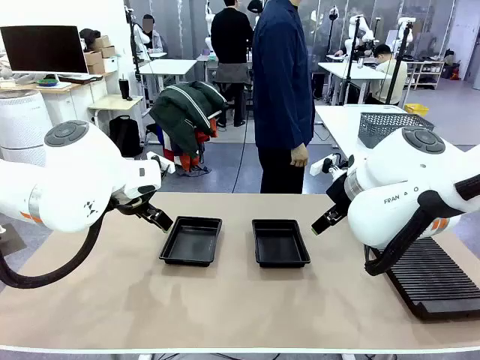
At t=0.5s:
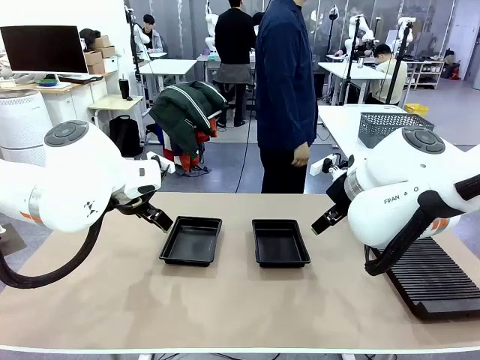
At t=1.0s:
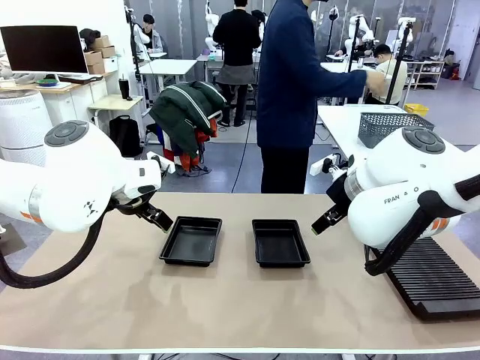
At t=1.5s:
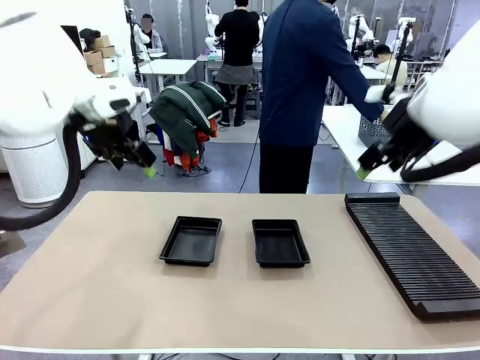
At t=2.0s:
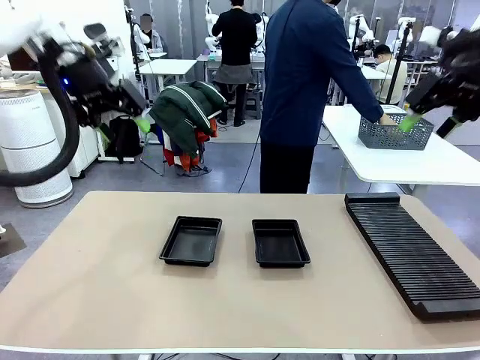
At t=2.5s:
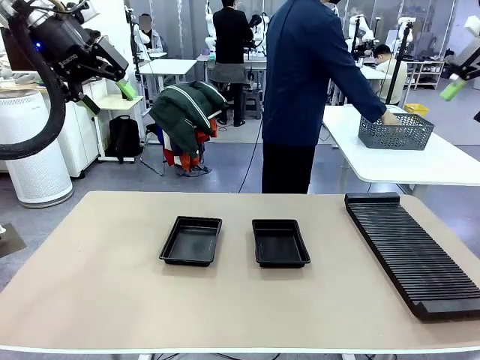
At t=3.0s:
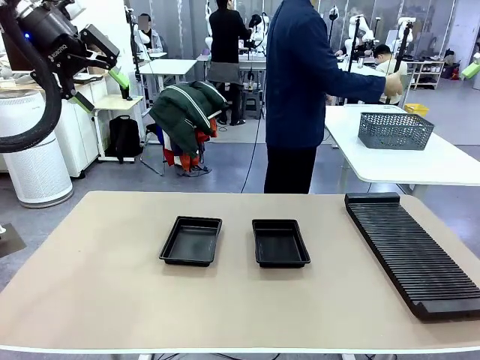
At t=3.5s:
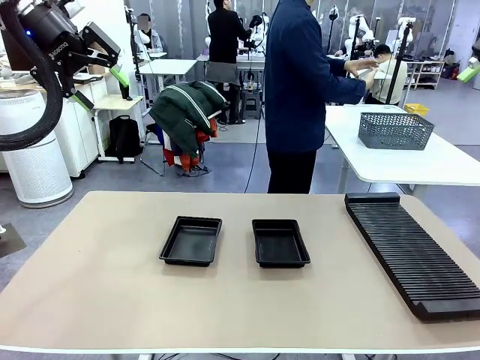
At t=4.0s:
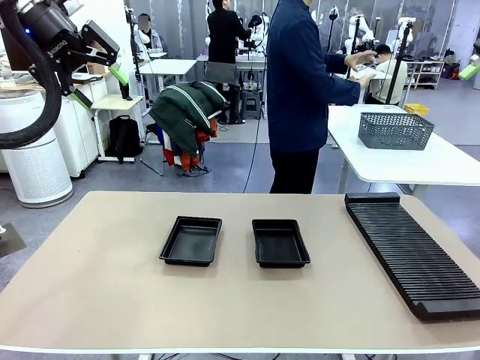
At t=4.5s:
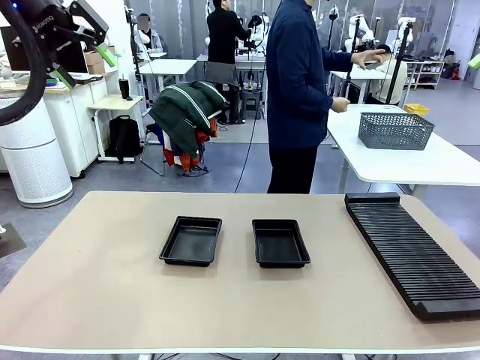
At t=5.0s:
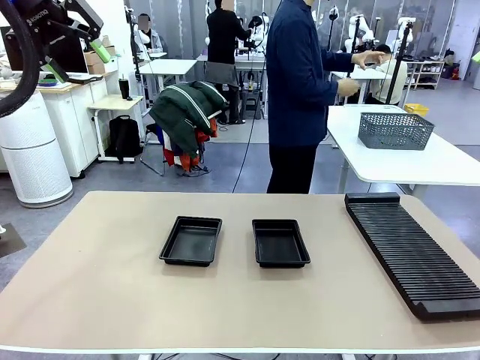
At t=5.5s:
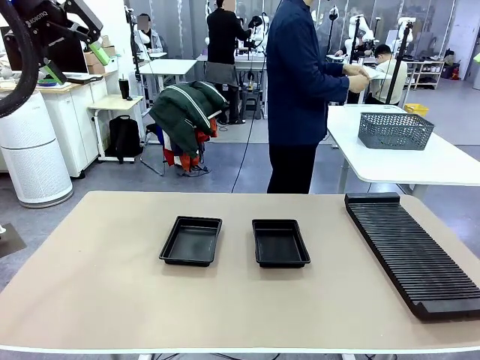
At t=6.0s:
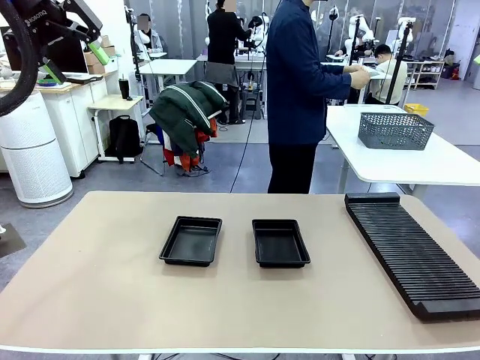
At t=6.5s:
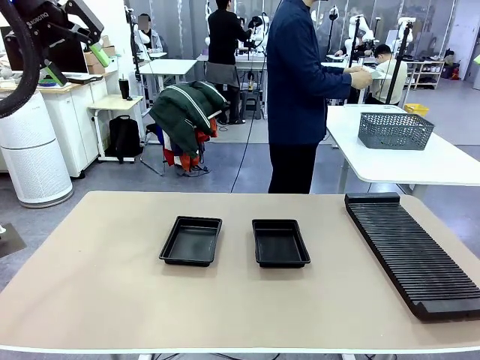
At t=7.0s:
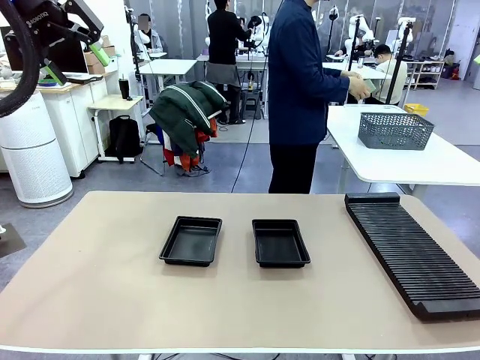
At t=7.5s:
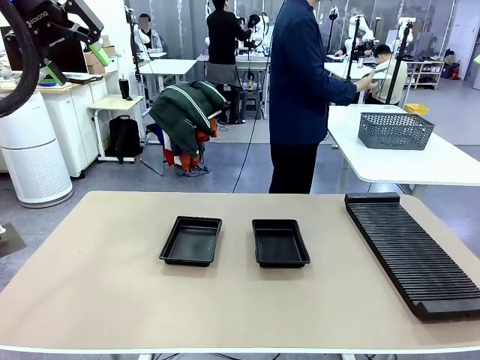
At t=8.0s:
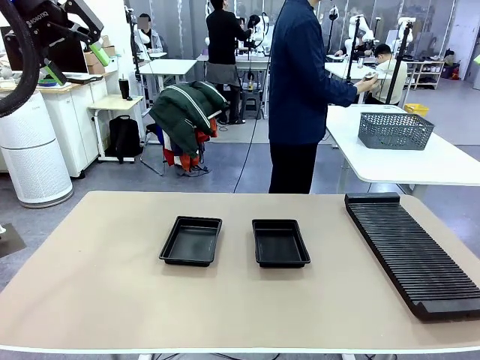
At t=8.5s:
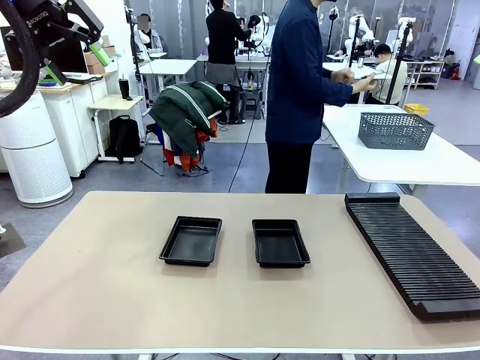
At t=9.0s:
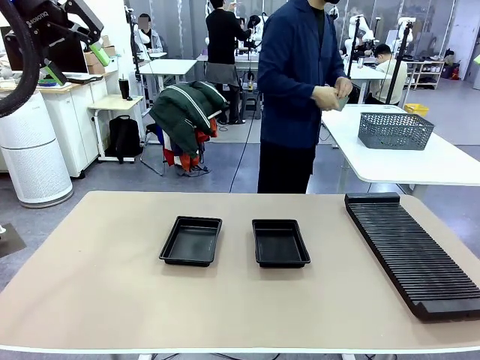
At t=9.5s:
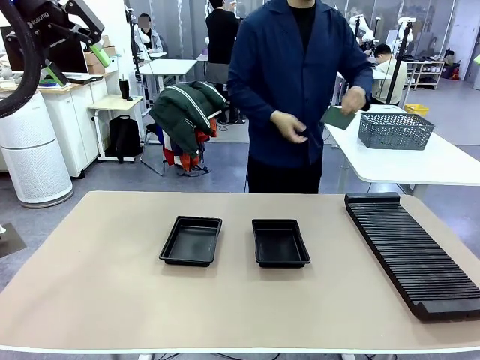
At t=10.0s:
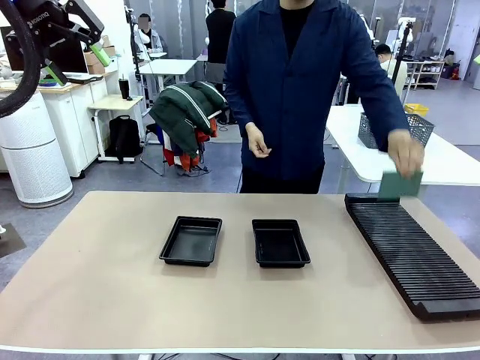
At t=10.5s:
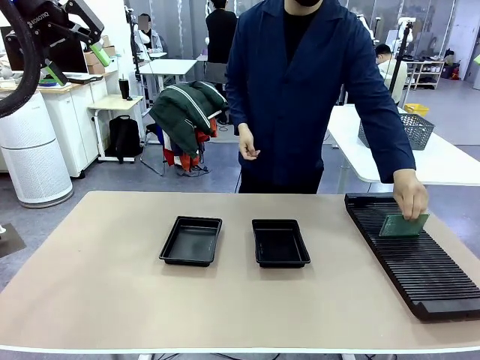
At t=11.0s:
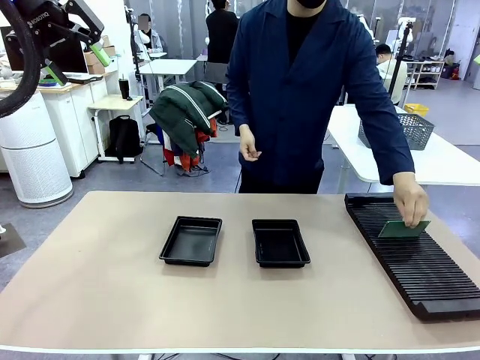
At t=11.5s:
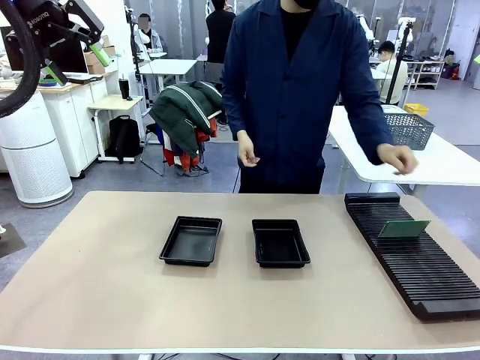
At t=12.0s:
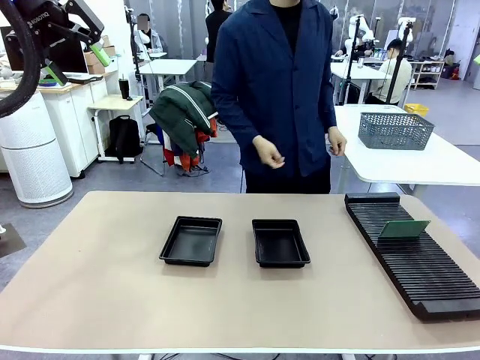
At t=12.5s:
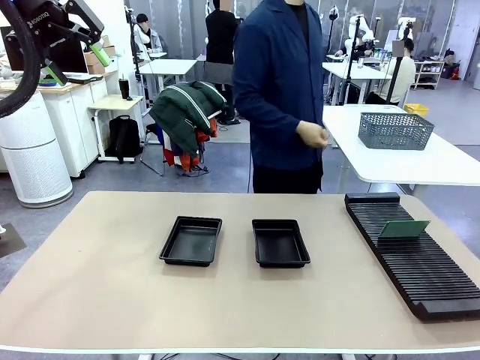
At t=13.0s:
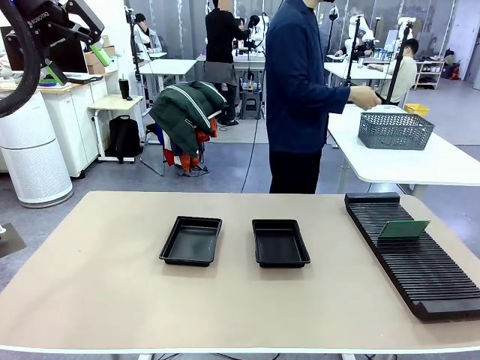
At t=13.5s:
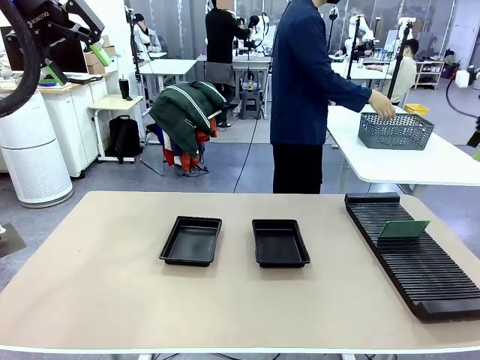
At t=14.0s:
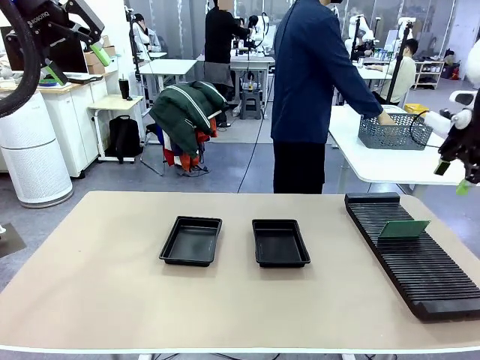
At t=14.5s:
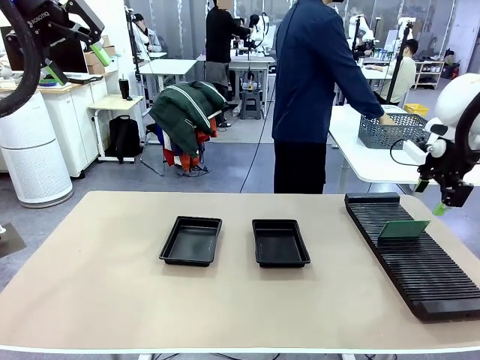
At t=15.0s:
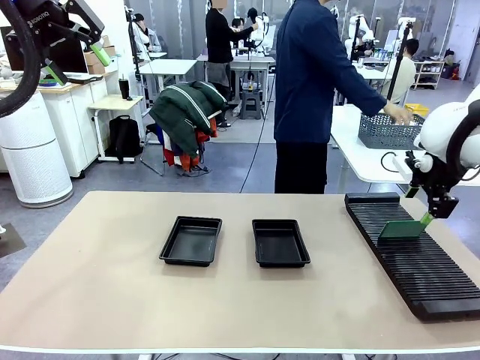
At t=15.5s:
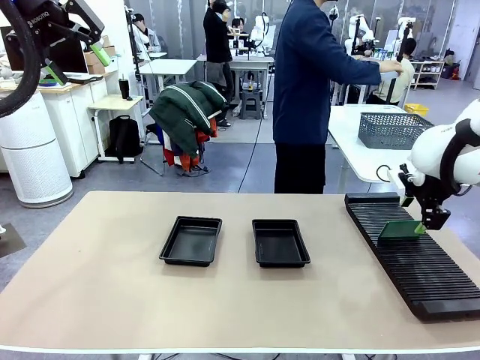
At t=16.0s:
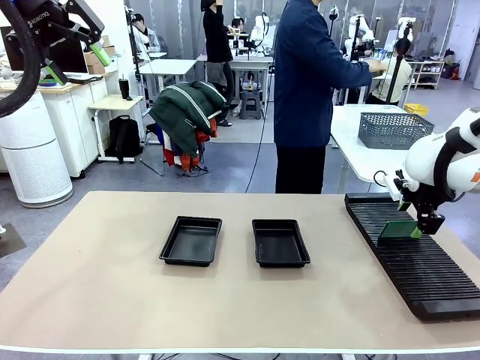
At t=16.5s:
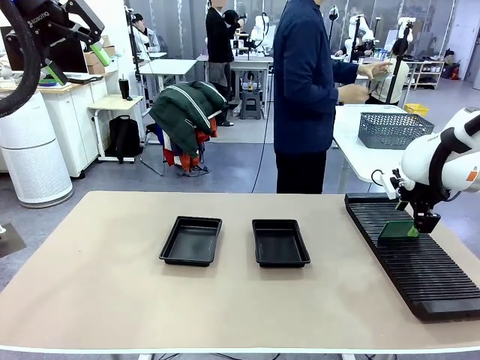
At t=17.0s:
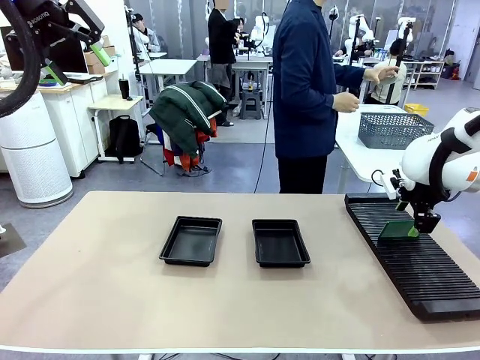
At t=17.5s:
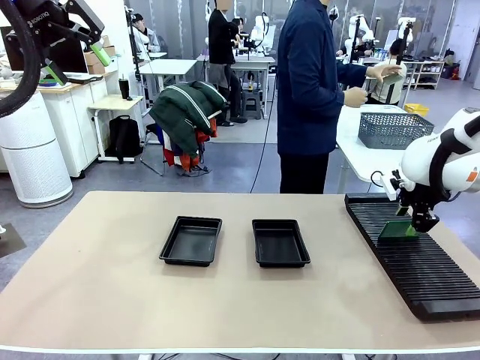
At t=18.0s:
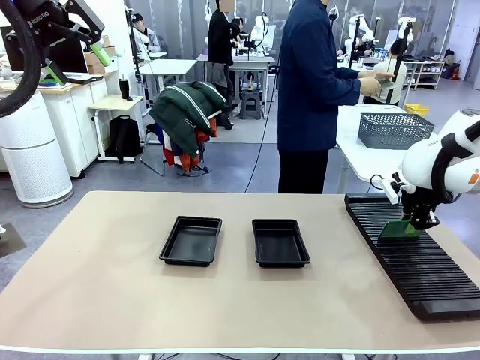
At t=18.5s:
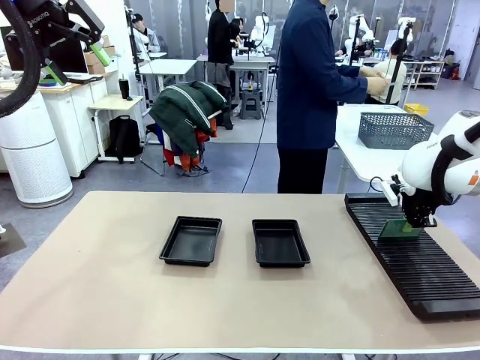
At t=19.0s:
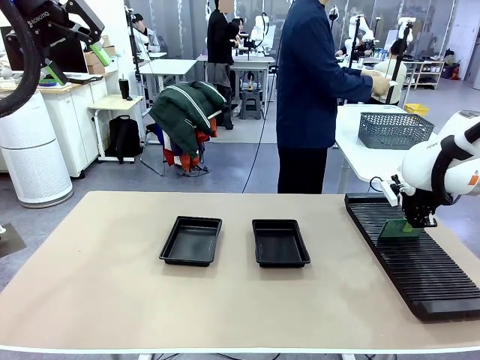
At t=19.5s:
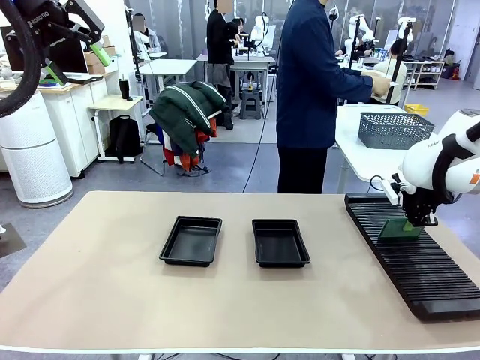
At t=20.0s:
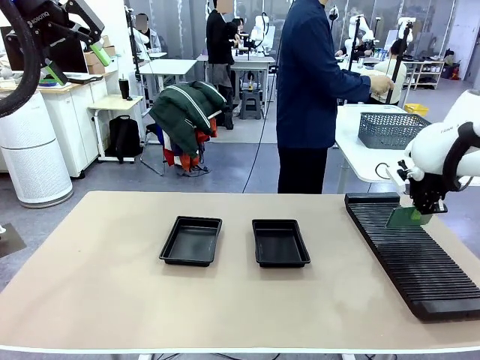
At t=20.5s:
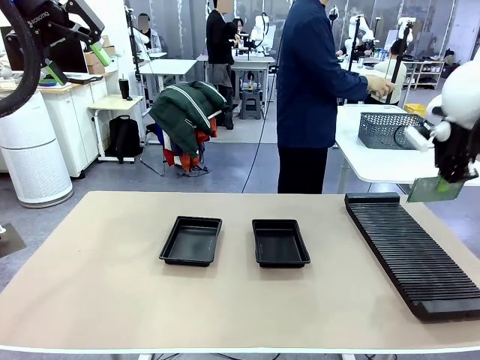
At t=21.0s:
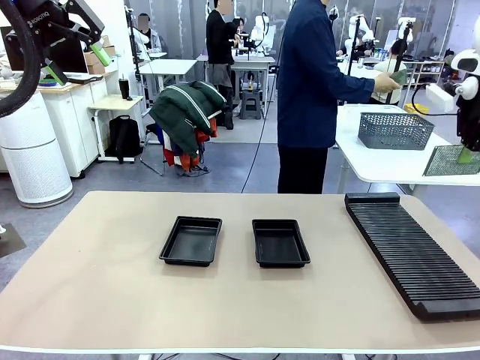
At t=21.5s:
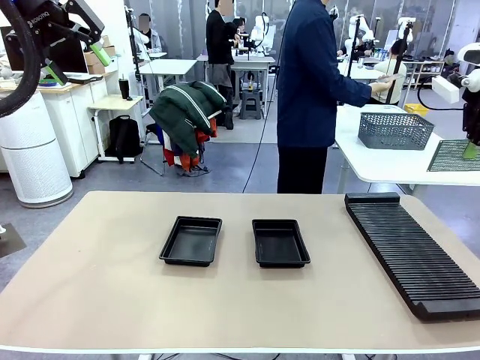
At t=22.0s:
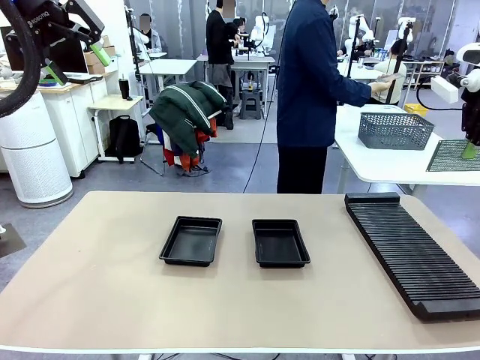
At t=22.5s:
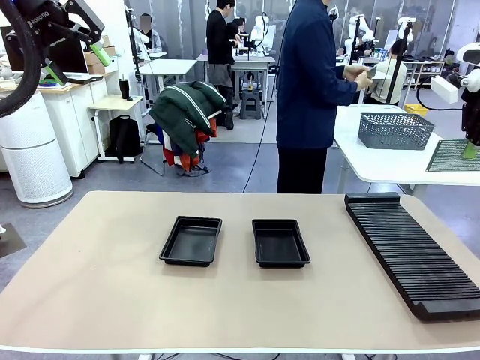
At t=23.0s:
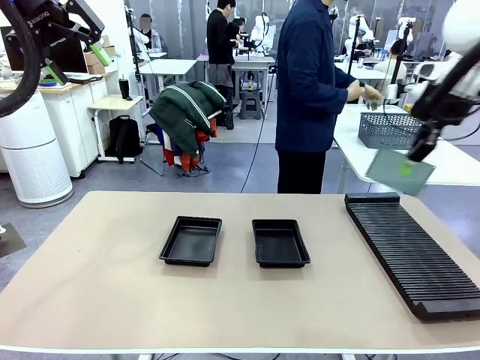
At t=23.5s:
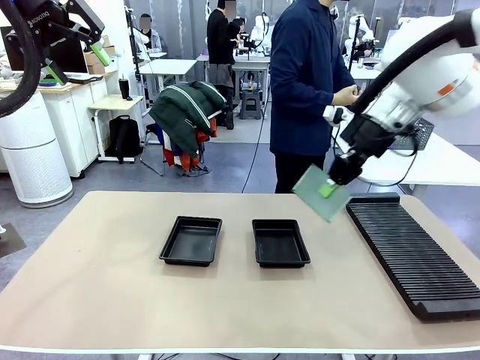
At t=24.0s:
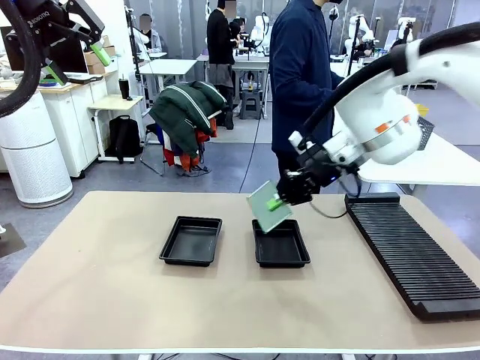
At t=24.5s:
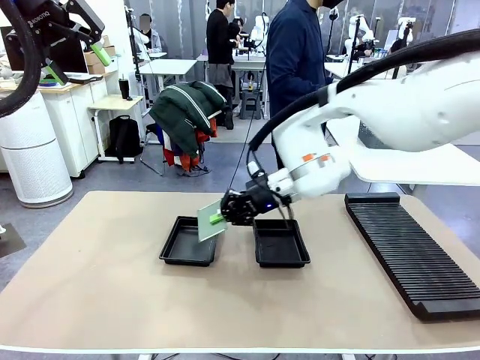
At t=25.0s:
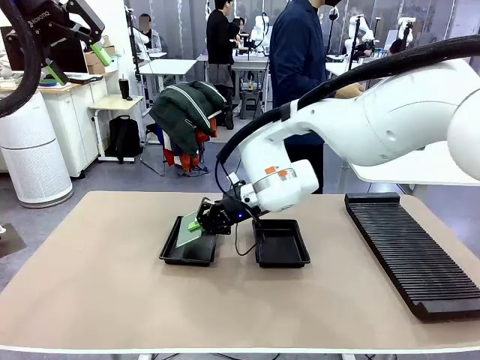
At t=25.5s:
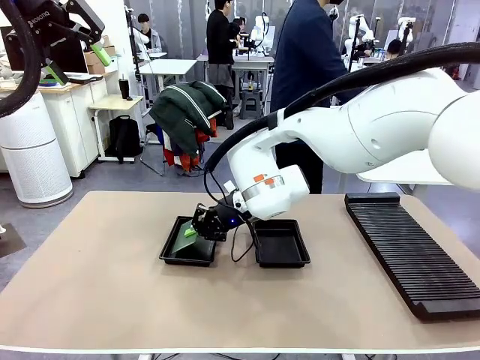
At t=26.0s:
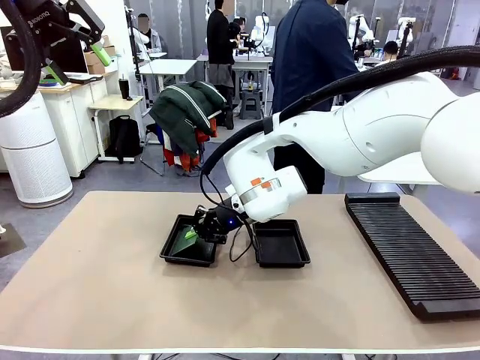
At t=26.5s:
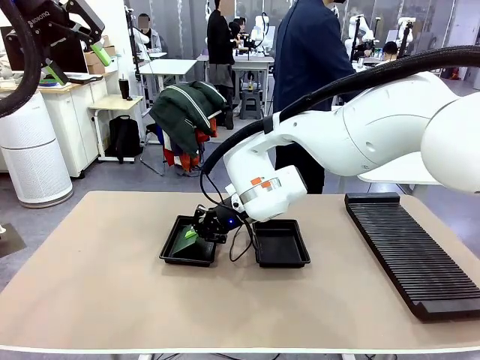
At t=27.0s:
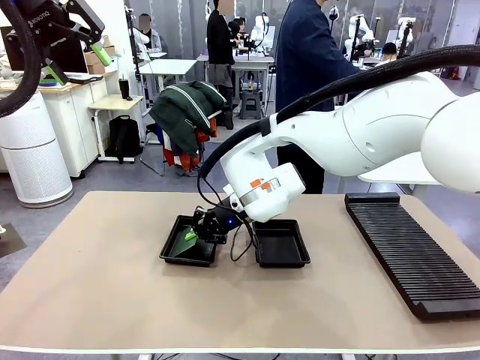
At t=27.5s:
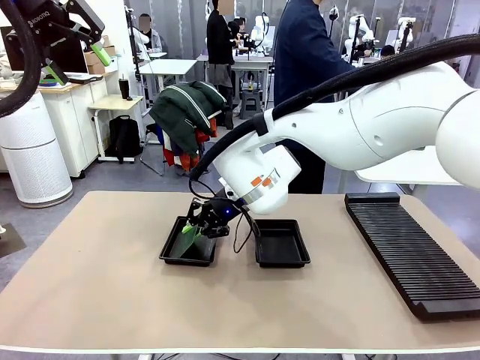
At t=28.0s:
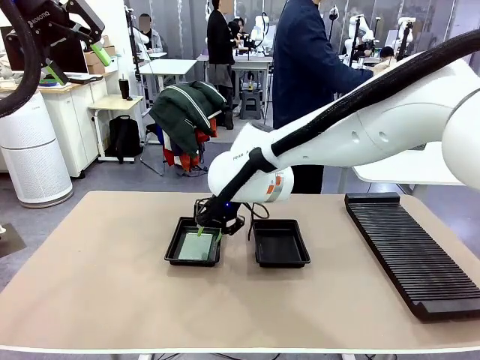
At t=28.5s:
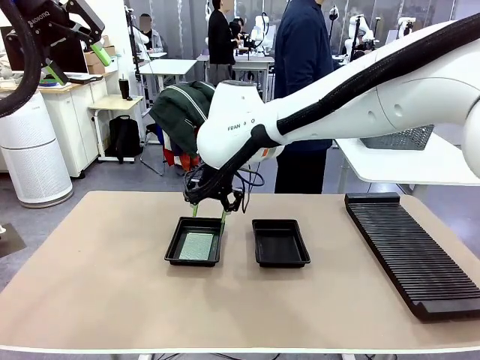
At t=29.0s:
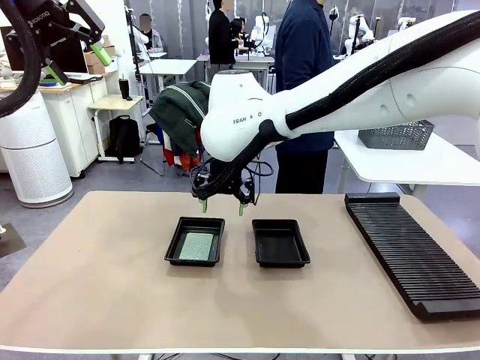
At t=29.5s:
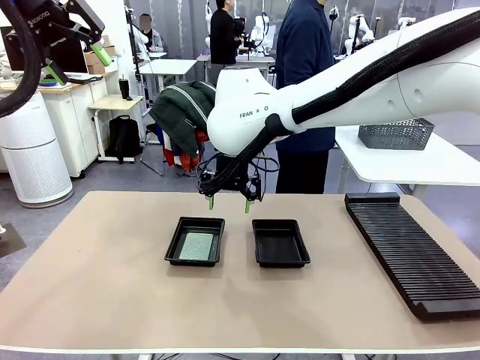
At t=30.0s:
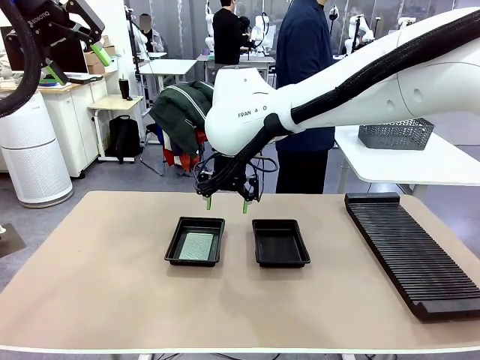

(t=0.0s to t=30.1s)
Task: Inspect and transfer BCBs to ESD trays.
Robot: Pick up the Blank PCB from the PCB Rack and place it in the left ESD tray.
